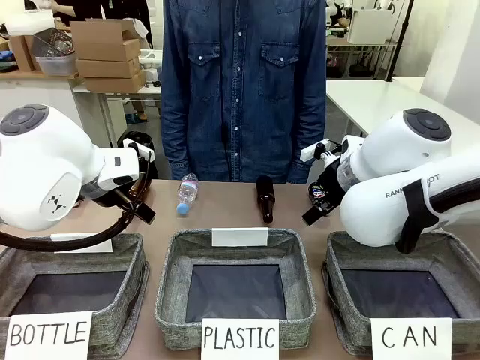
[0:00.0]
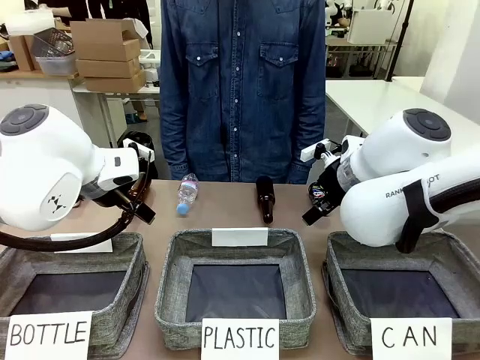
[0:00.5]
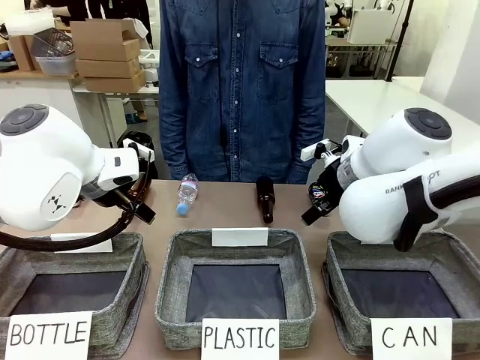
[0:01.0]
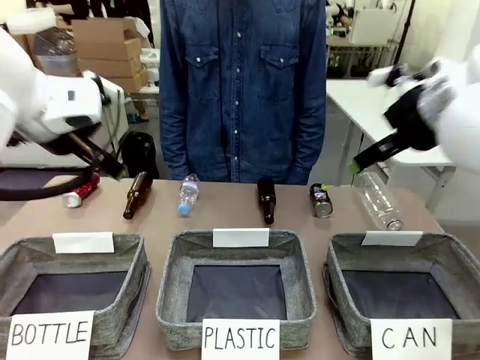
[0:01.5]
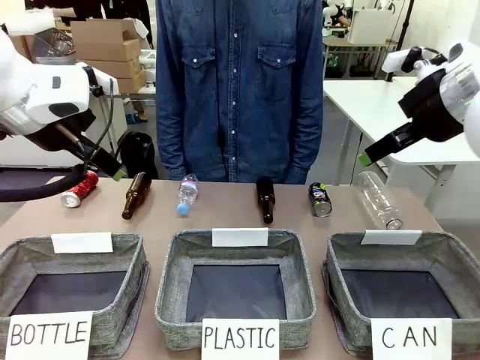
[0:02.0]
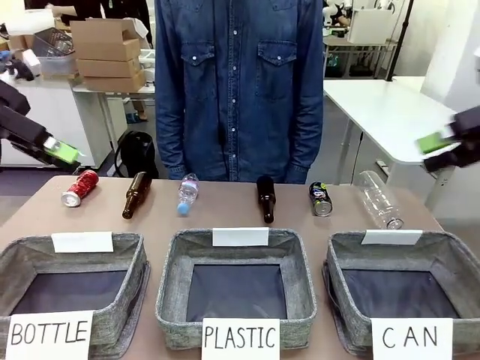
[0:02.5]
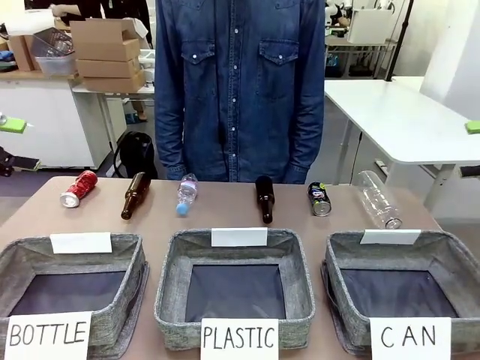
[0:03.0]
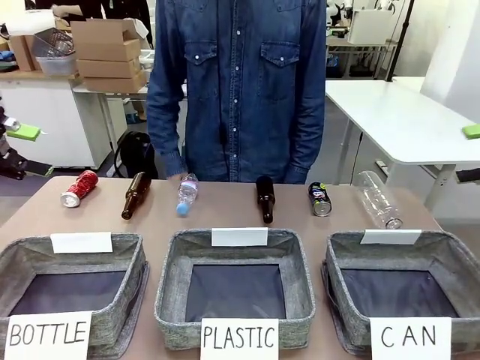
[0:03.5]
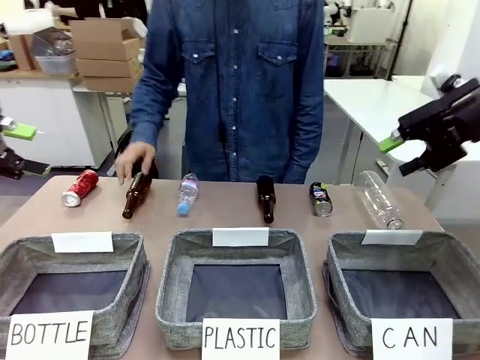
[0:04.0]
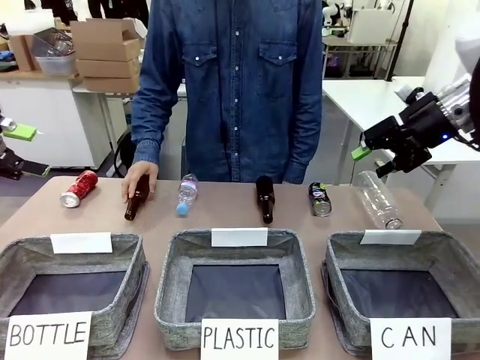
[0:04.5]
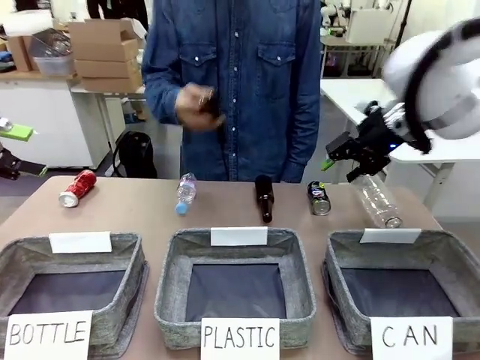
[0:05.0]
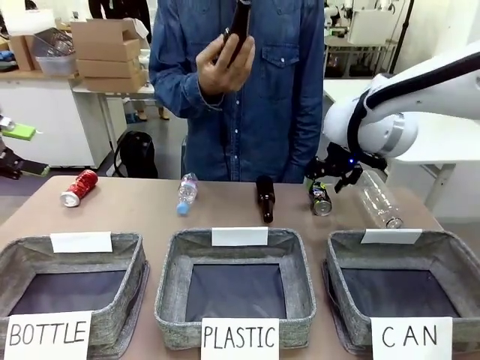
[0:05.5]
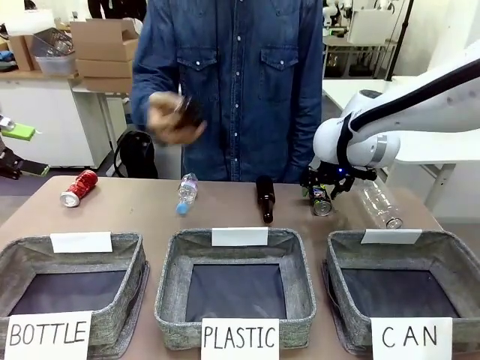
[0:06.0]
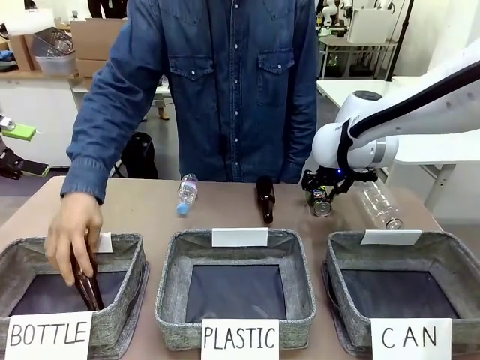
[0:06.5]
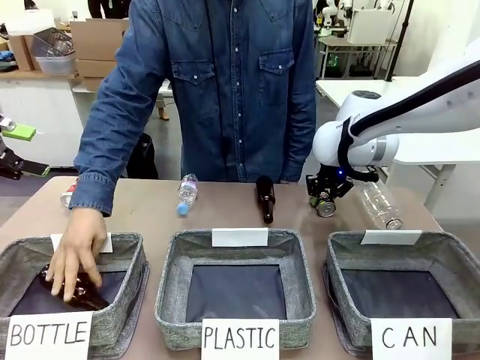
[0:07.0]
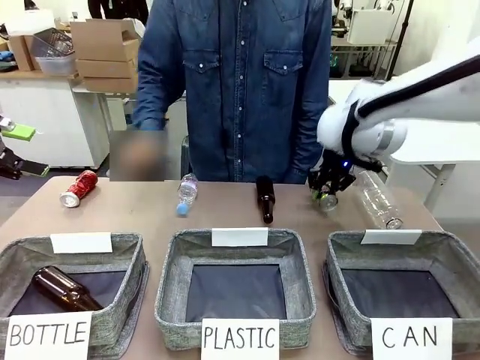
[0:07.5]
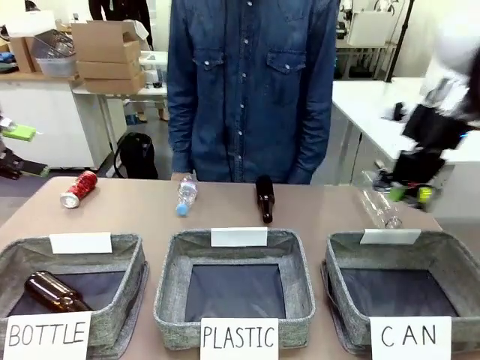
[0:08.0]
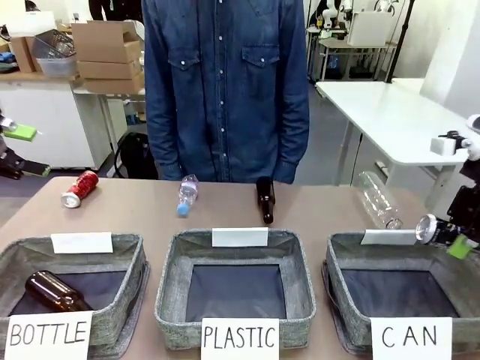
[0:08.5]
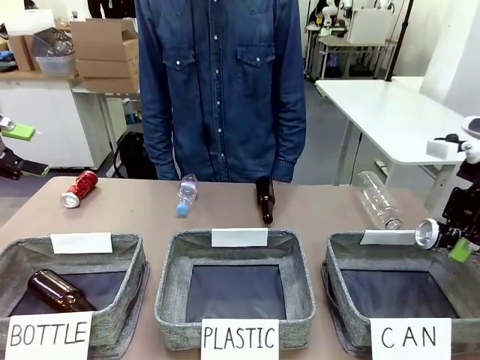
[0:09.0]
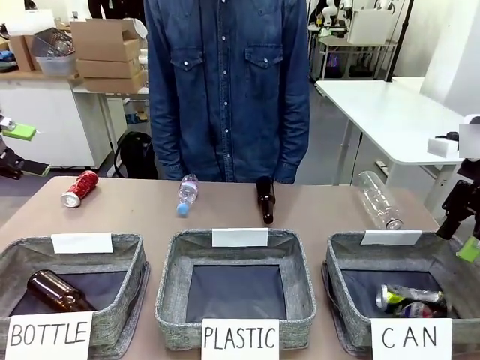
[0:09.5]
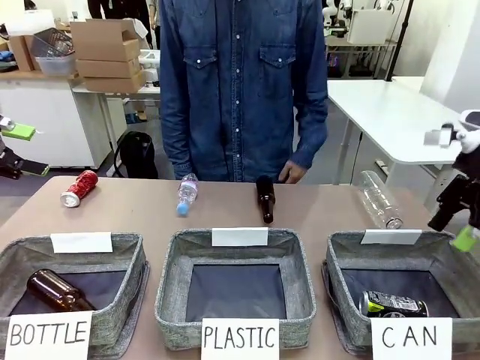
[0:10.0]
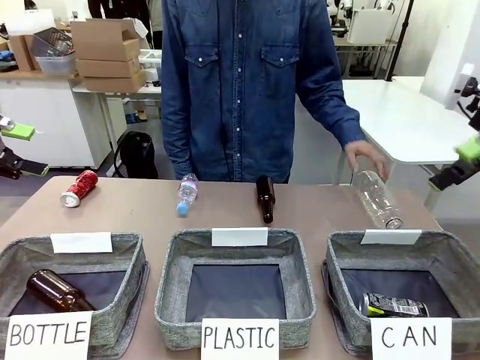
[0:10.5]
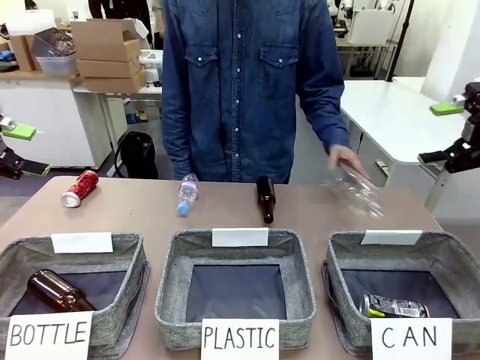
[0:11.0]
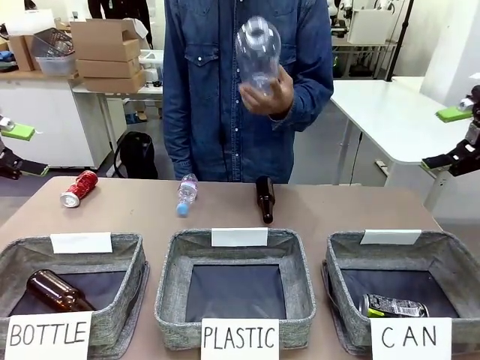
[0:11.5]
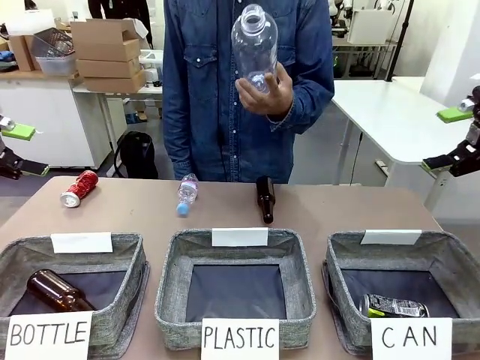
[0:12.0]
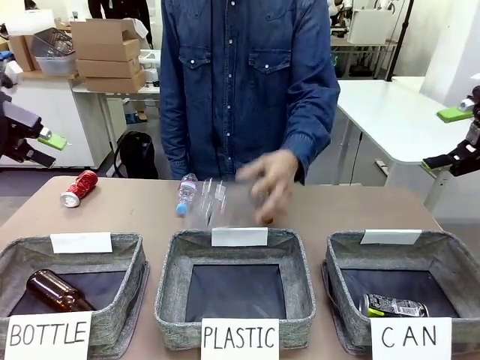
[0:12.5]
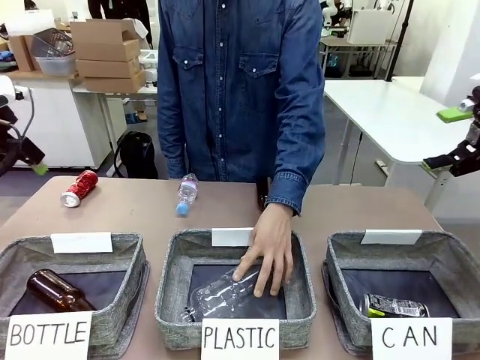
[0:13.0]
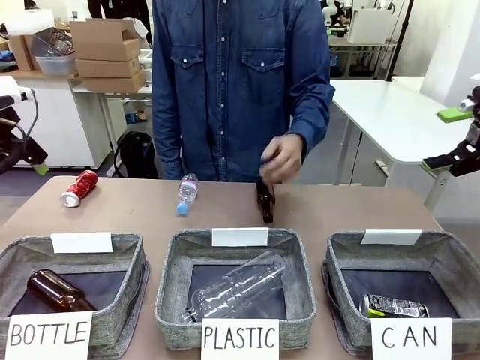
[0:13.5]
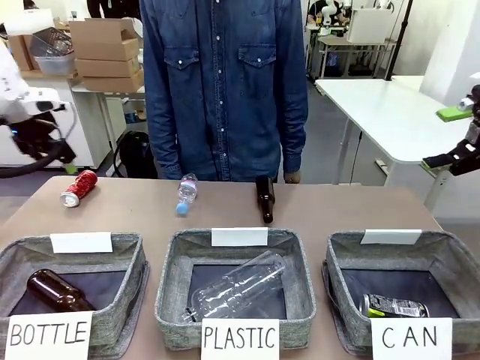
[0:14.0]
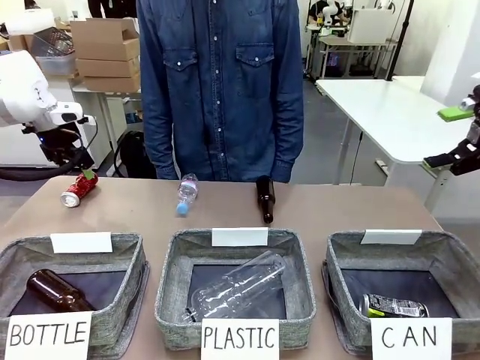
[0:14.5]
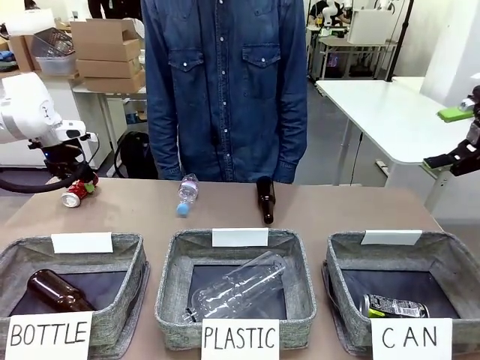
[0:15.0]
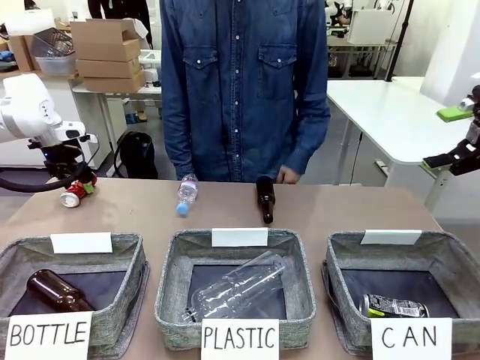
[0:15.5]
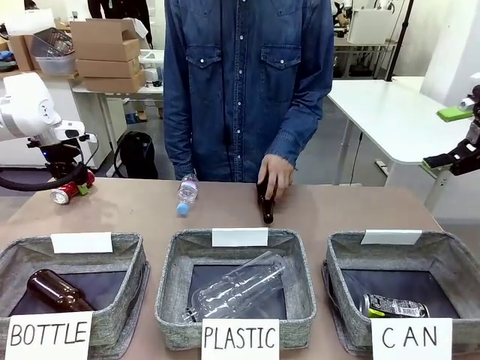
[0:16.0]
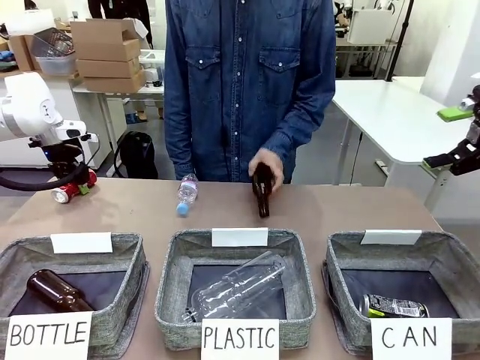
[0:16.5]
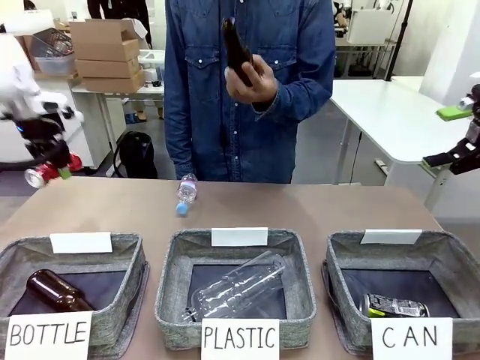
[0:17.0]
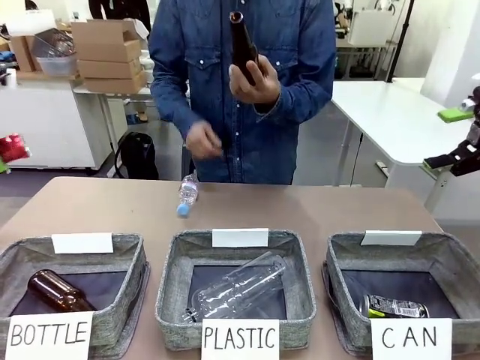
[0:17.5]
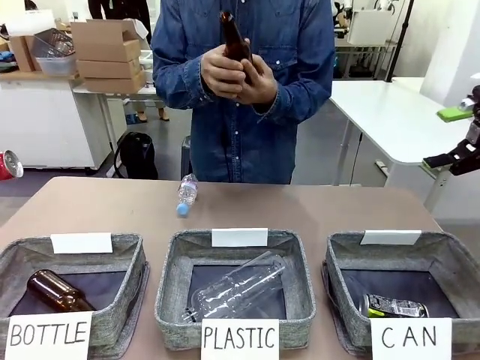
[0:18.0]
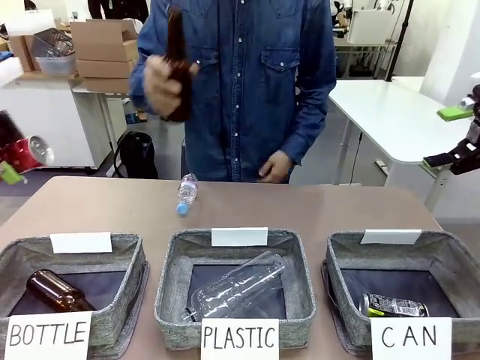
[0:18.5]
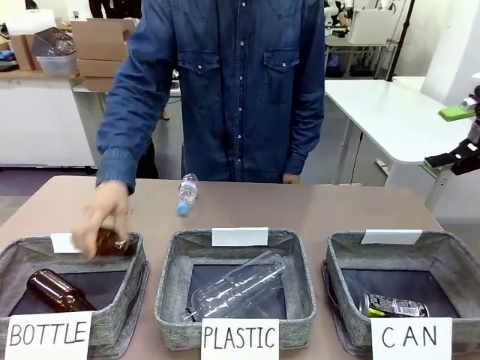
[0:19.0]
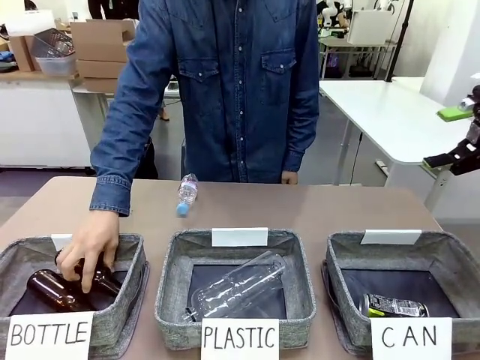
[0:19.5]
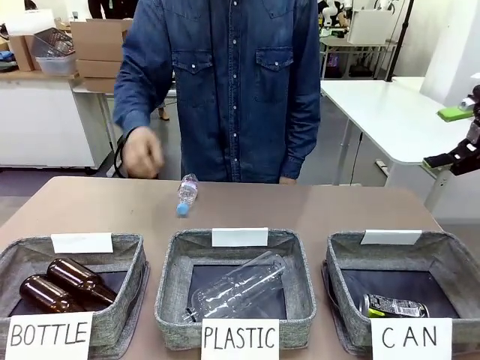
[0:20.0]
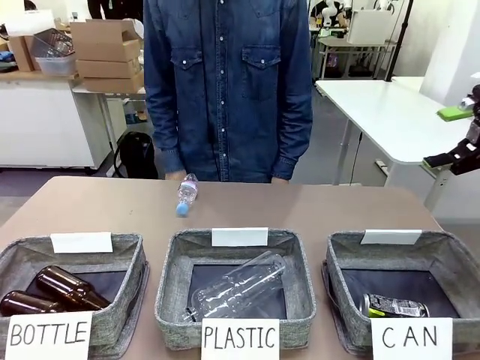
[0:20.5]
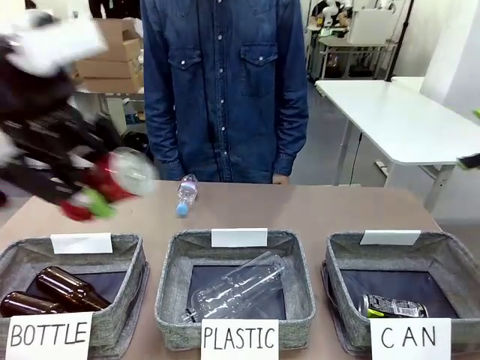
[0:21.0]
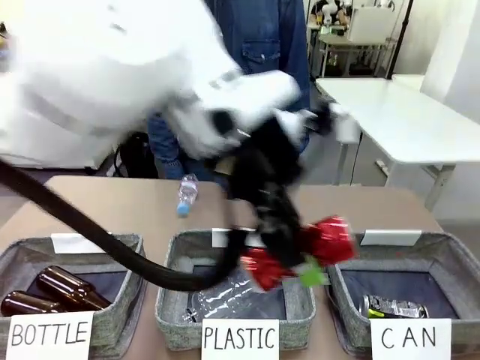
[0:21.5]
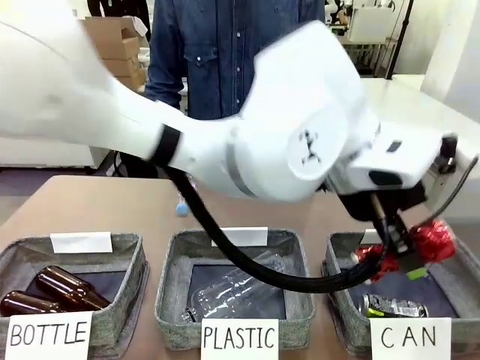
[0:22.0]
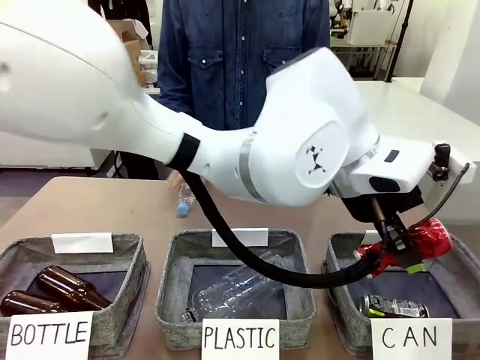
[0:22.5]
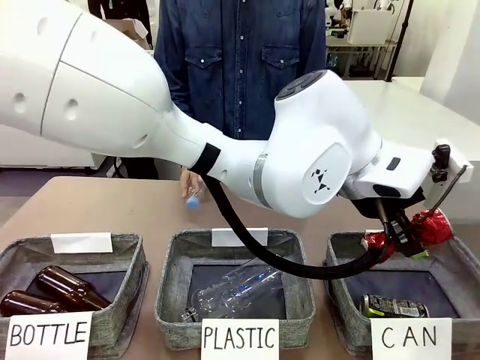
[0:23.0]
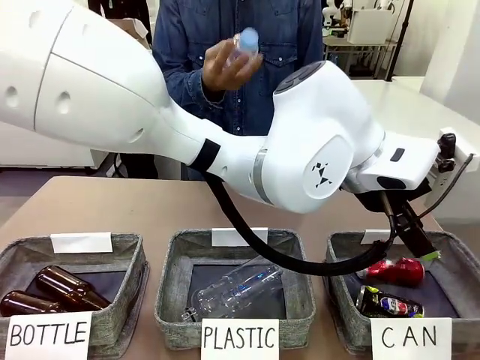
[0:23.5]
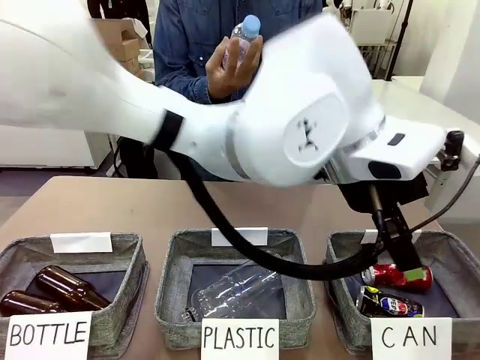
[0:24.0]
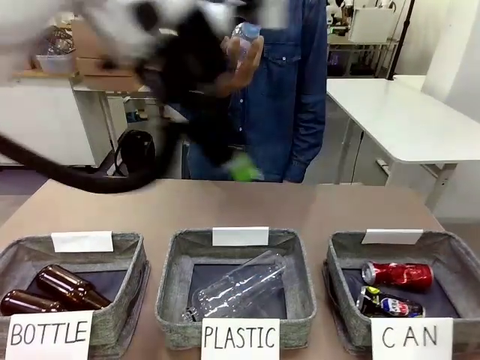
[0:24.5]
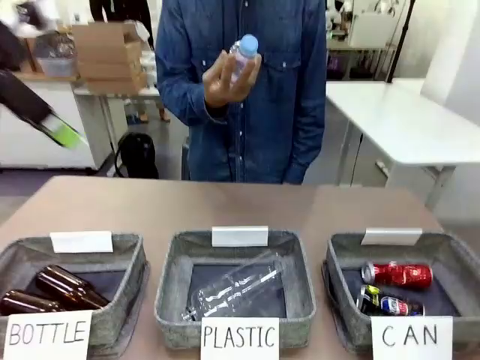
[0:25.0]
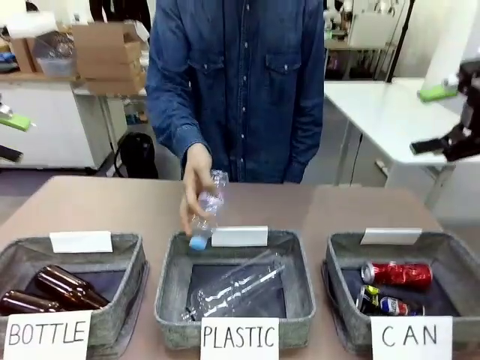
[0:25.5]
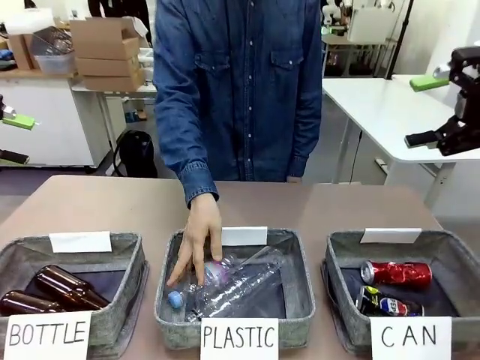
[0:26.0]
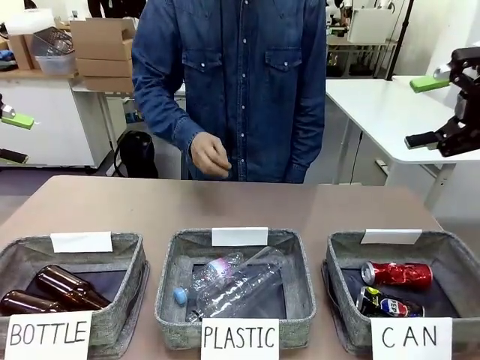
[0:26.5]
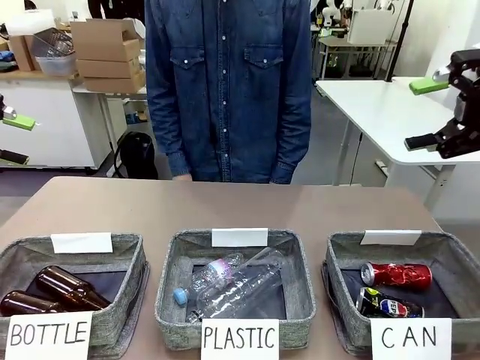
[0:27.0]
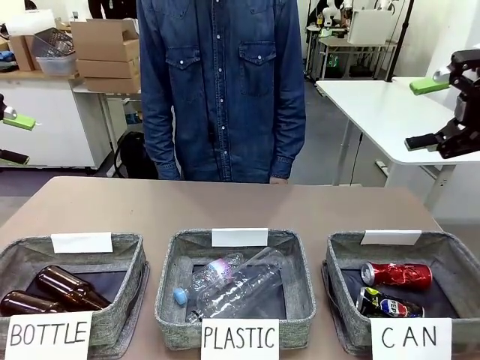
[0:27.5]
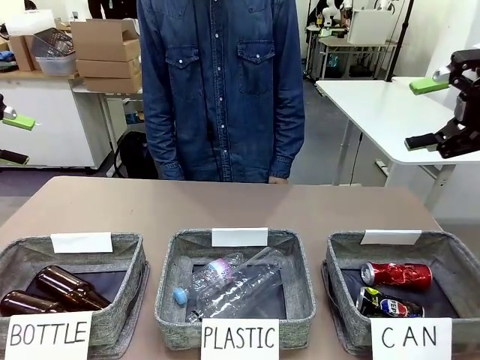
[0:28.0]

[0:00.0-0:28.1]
Task: Sort the can waste into the basket.
Robot: Pick up the can waste from the table and place it in the right Fabric basket.
Person: The human picks up one piece of trash that is not a can and places the trash into the appropriate organizing basket.
